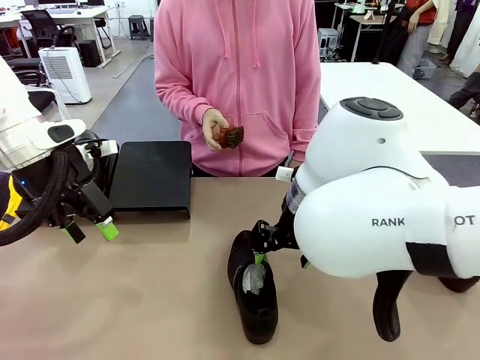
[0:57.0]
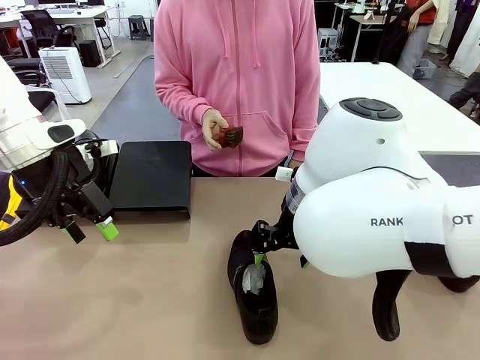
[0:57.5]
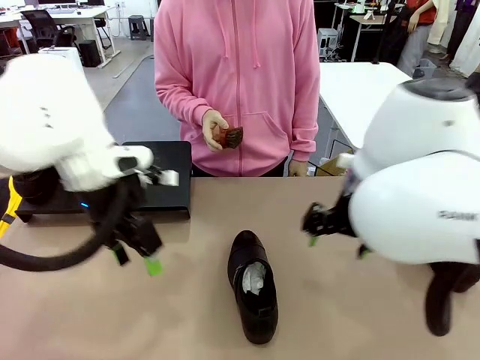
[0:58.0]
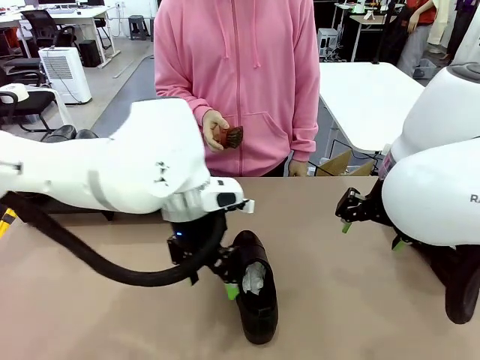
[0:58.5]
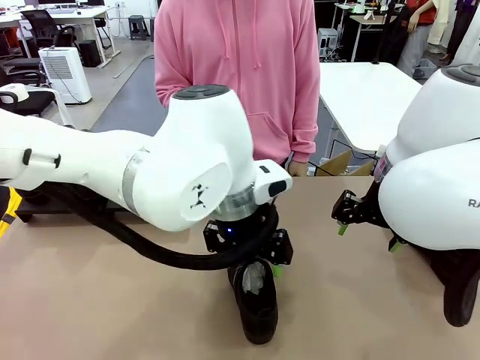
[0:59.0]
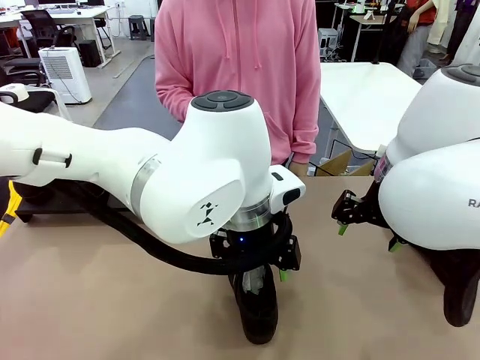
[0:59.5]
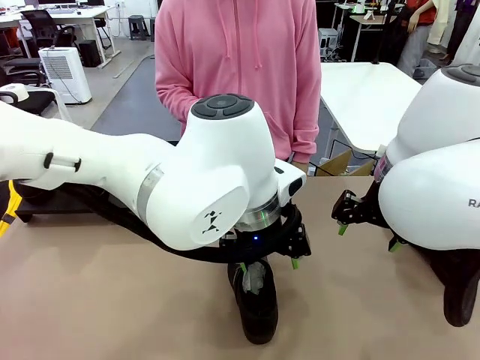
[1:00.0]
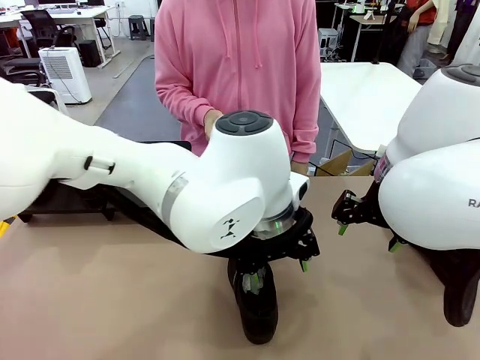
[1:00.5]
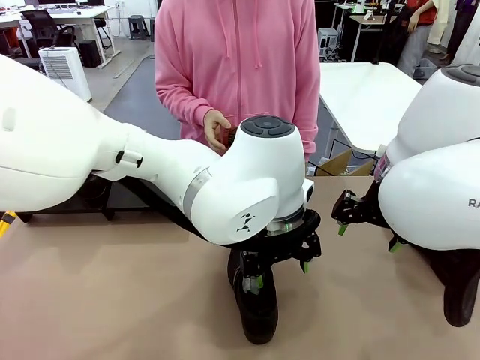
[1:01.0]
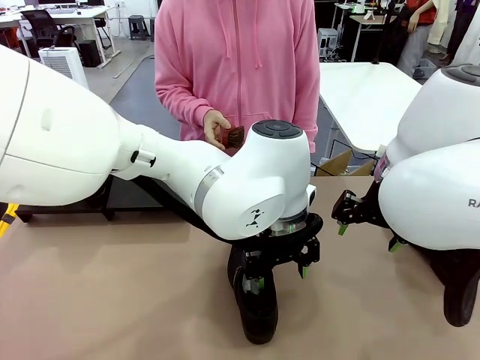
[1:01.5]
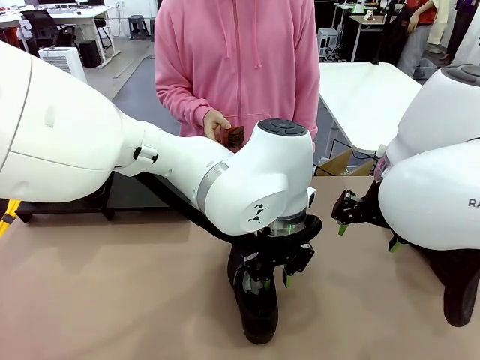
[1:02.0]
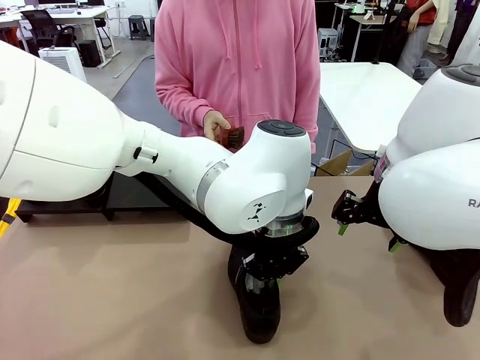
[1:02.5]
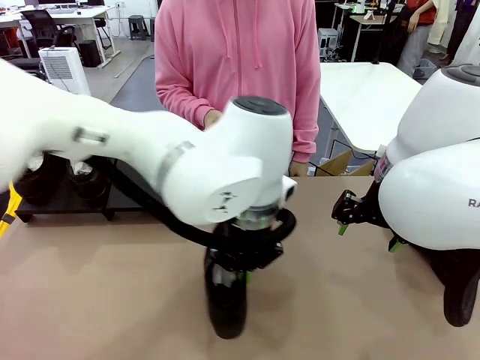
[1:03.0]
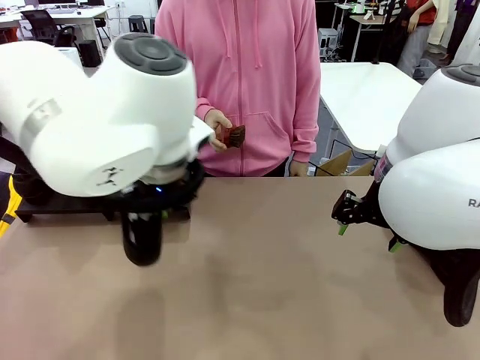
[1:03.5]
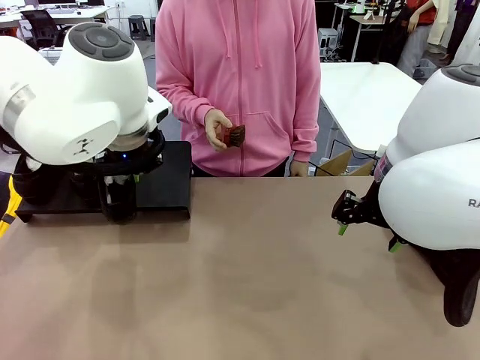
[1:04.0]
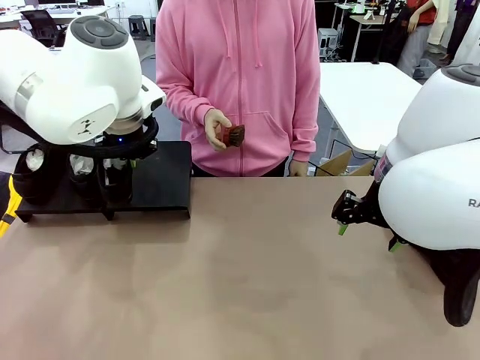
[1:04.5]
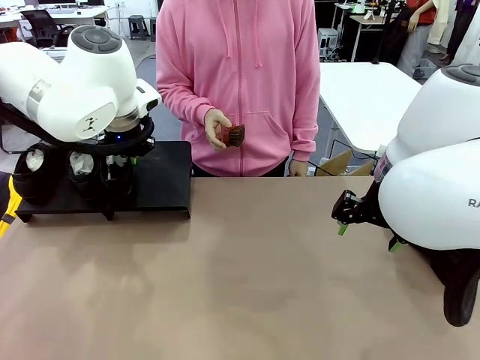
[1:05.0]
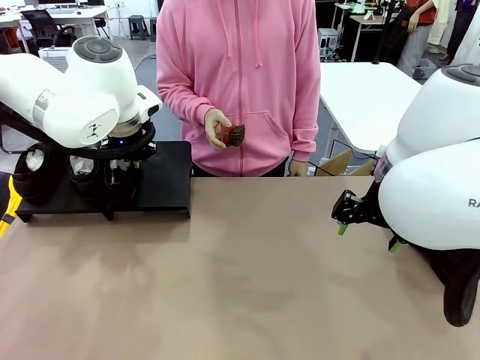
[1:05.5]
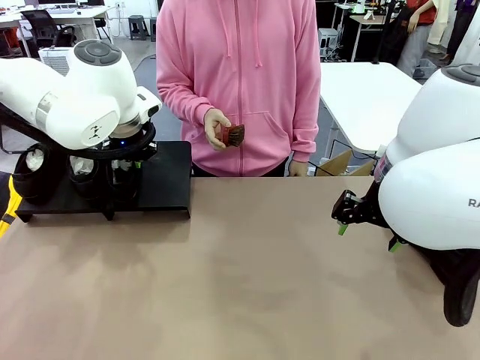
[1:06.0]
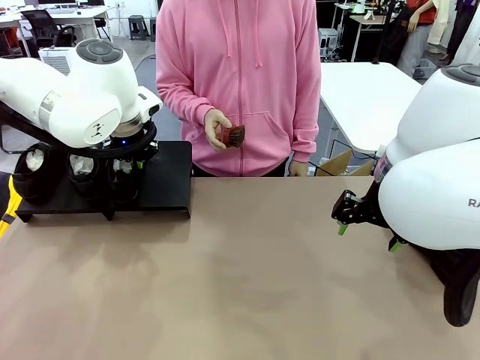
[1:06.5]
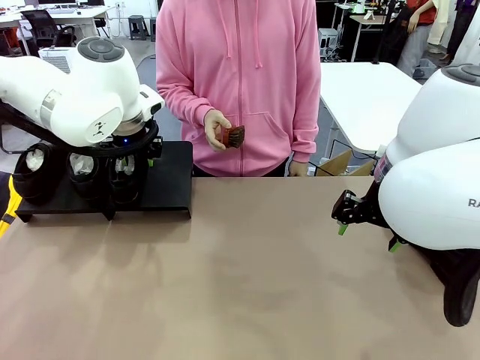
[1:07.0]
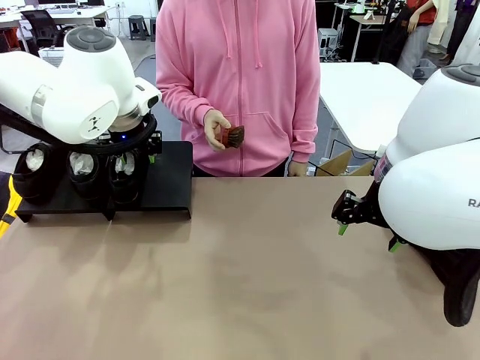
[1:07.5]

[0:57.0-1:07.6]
Task: Organize the shoes by placing them on the stand.
Robot: Place the Shoe from the middle of the table onto the Shoes Stand.

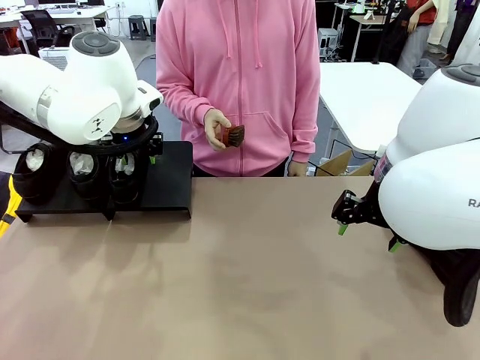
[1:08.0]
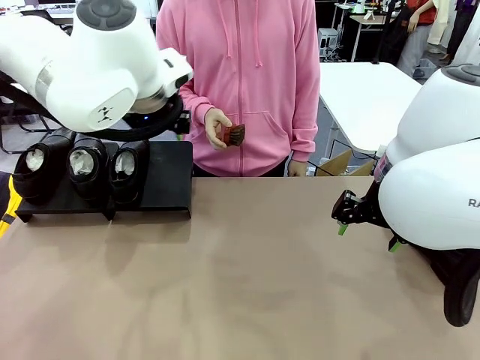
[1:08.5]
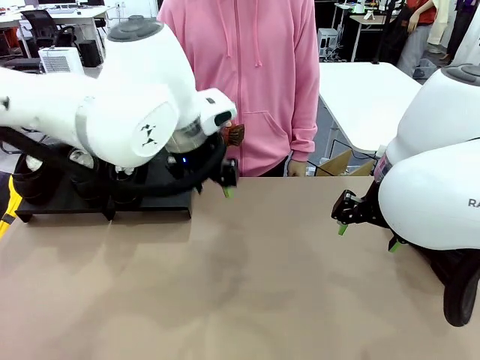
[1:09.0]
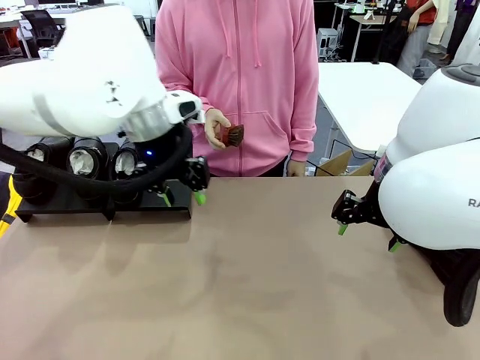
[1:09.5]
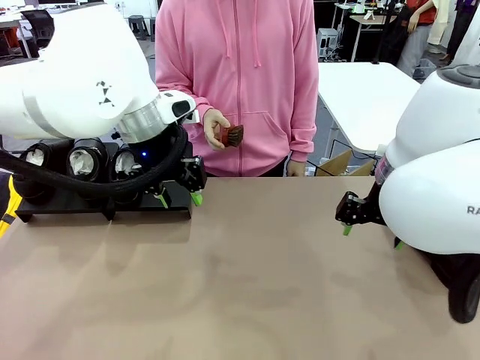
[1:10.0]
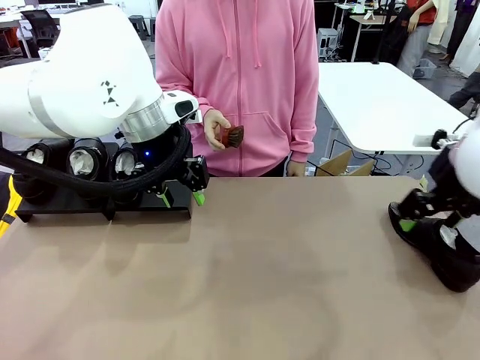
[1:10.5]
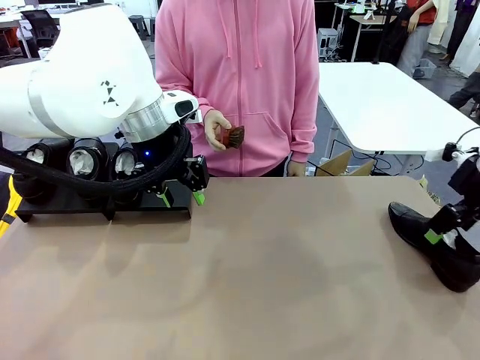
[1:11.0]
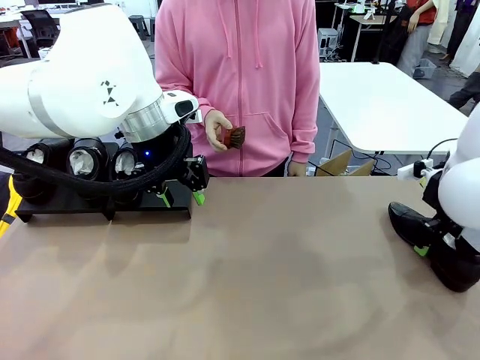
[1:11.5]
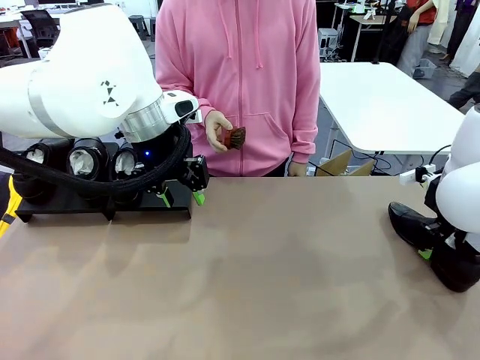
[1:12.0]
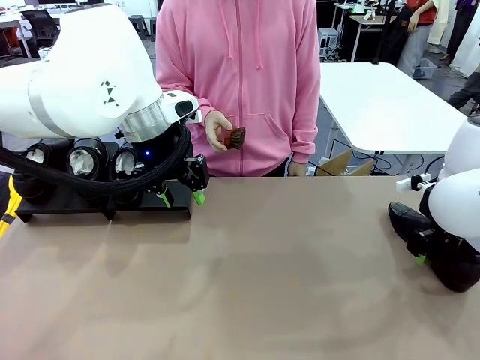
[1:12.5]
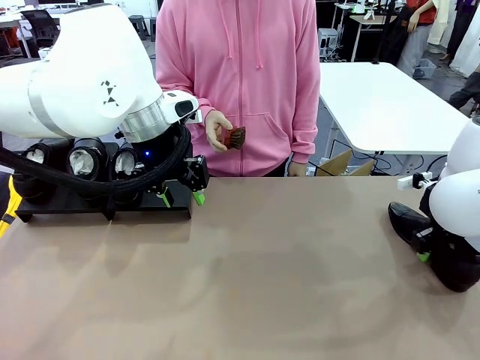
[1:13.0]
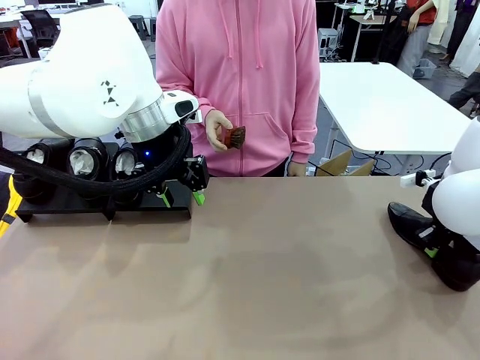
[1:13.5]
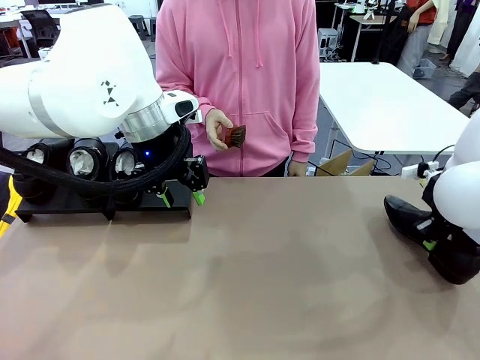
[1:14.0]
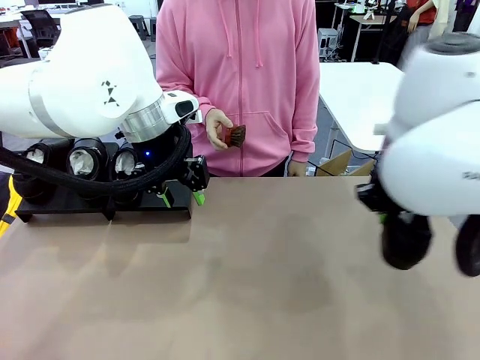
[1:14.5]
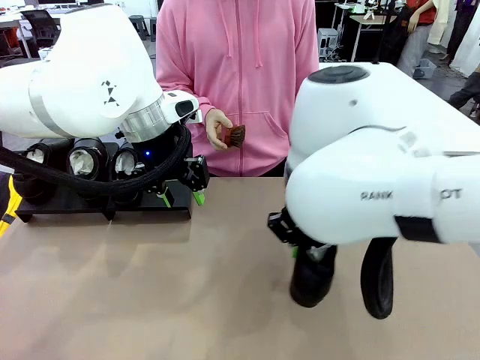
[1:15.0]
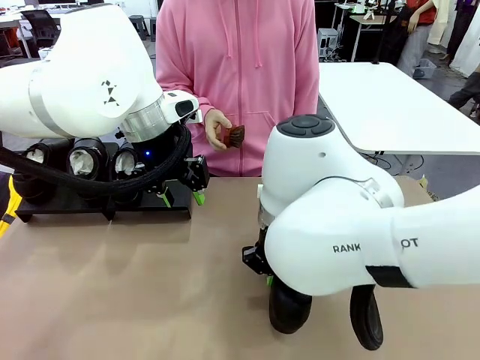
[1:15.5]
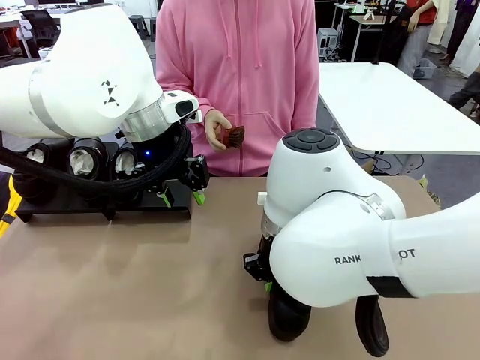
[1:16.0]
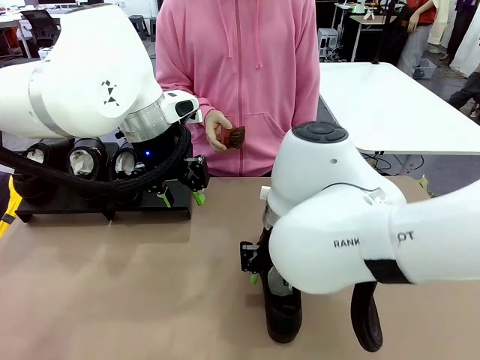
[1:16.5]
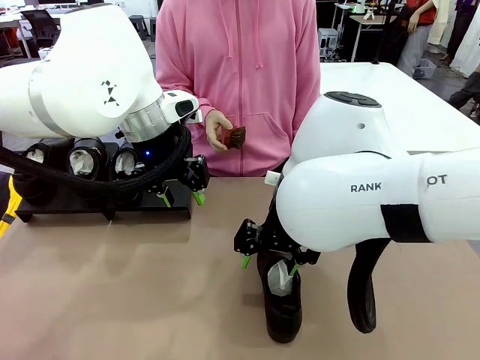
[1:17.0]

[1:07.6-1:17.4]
Robot: Pick up one Shoe and place it in the middle of the table.

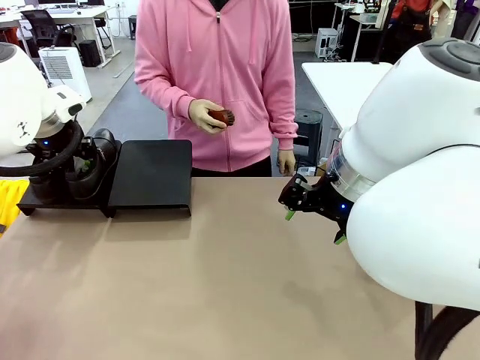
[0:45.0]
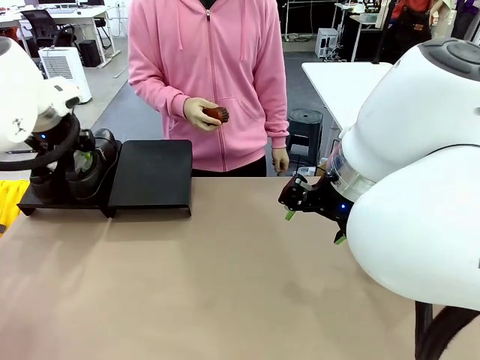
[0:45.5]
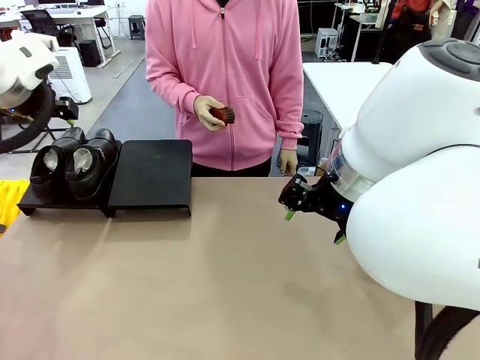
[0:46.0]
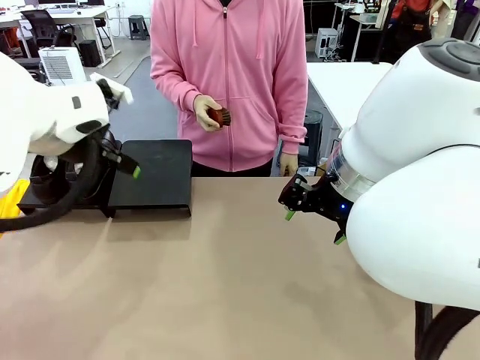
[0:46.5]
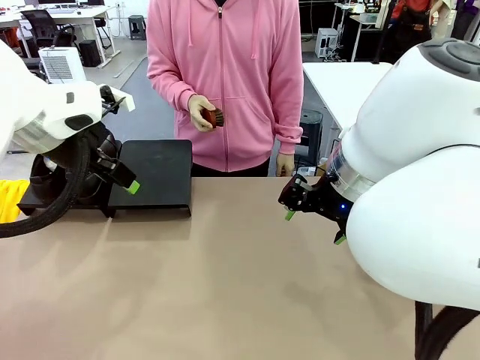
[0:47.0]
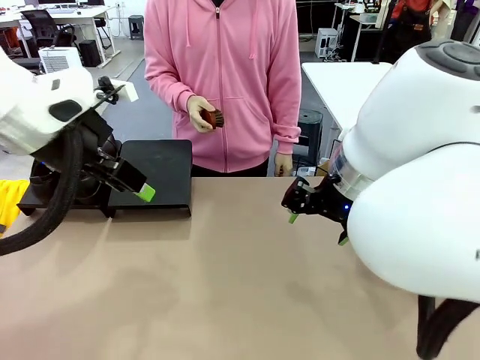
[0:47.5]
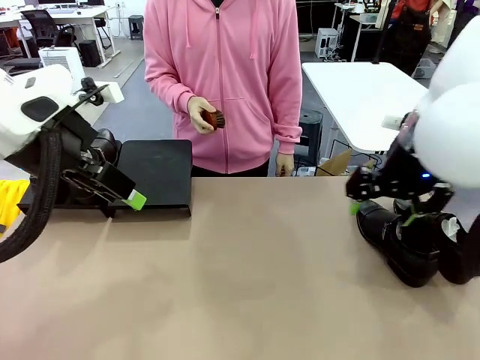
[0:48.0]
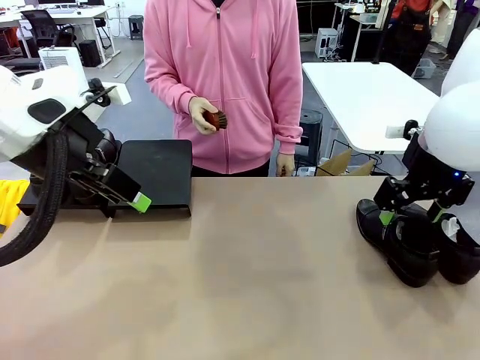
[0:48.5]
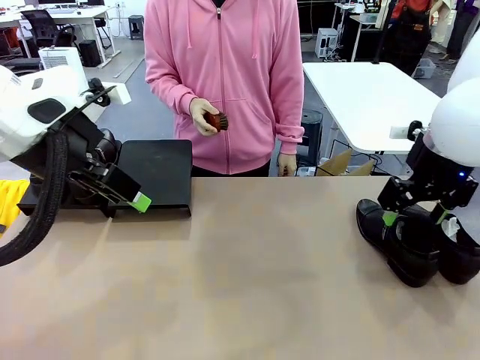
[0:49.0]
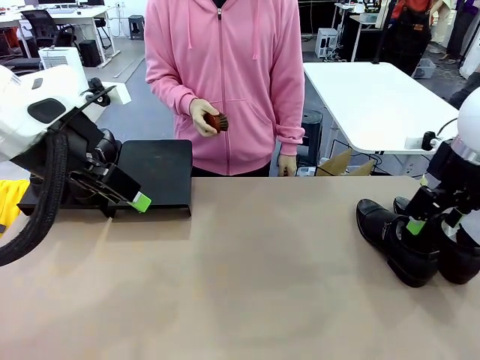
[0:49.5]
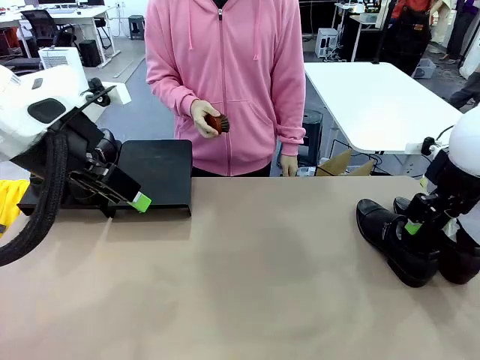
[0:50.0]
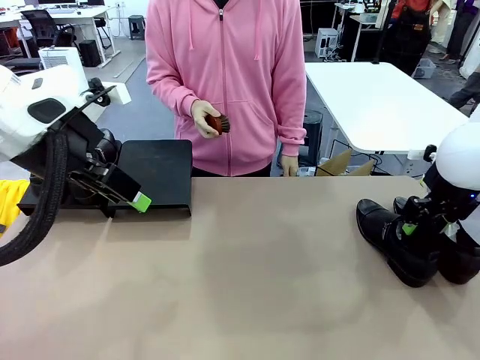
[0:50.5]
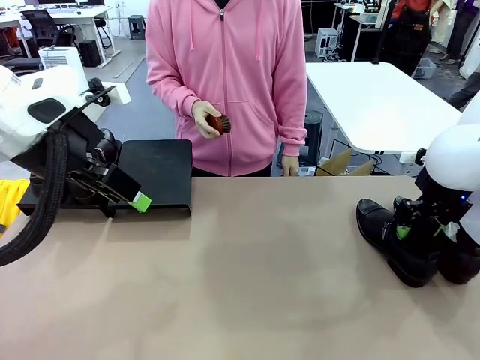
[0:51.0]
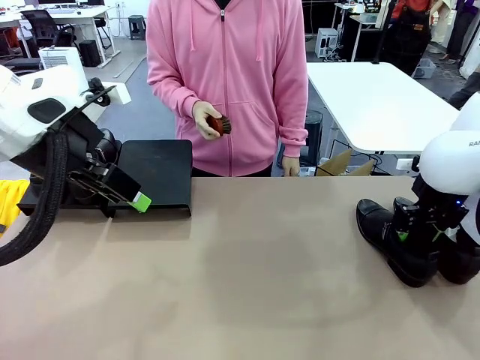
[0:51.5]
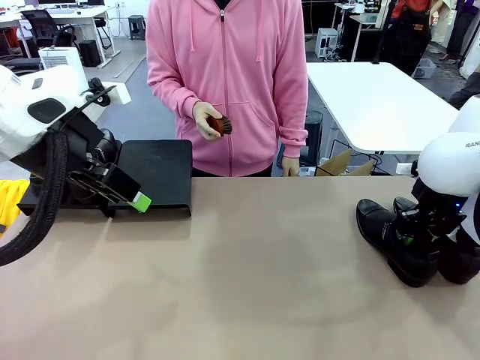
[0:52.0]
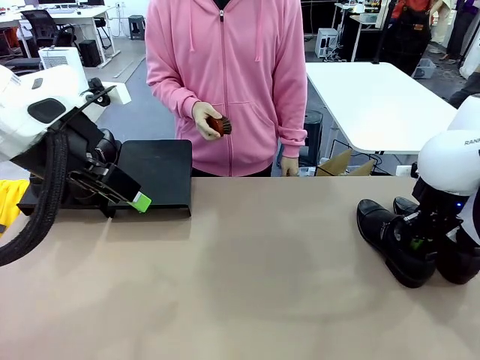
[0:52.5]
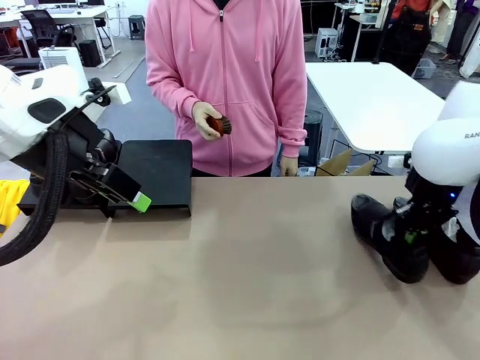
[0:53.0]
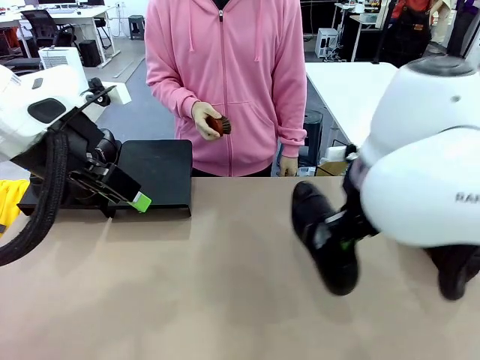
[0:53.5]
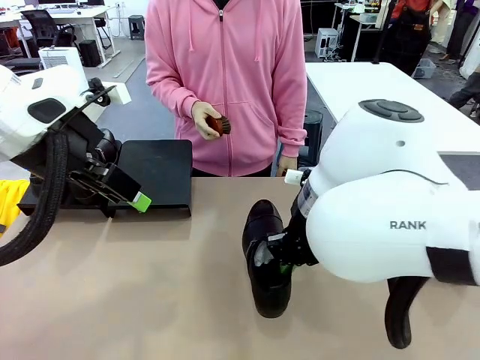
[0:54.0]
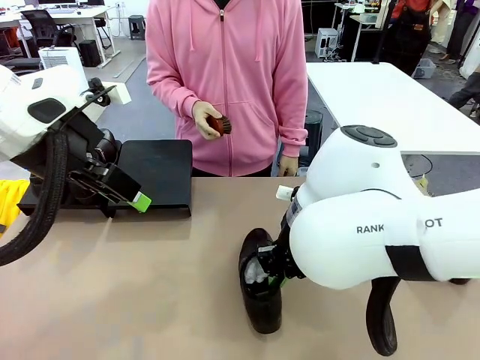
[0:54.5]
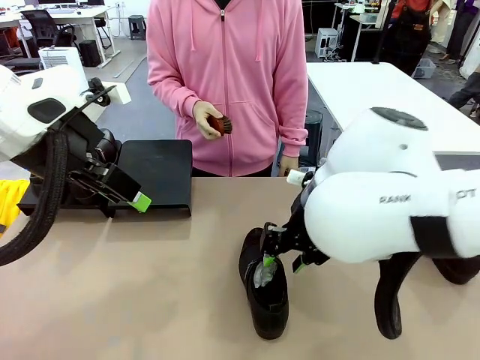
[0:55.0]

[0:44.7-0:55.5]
Task: Organize the shoes by placing them on the stand.
Robot: Pick up one Shoe and place it in the middle of the table.
